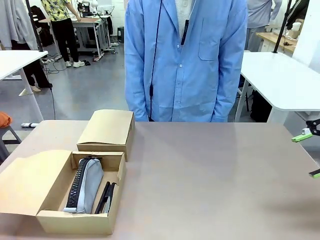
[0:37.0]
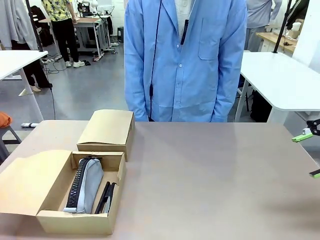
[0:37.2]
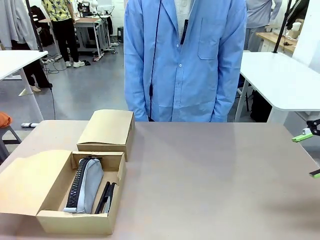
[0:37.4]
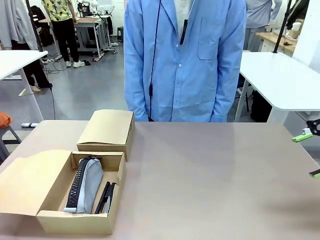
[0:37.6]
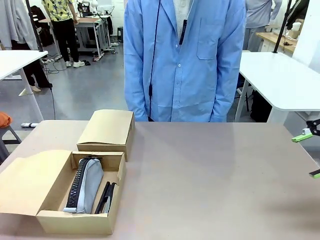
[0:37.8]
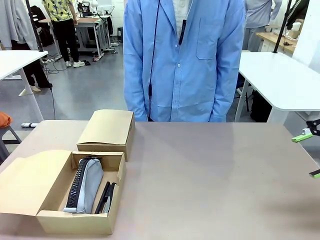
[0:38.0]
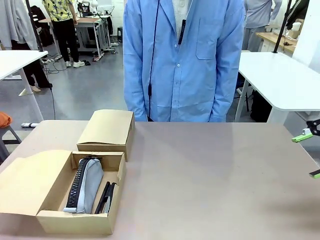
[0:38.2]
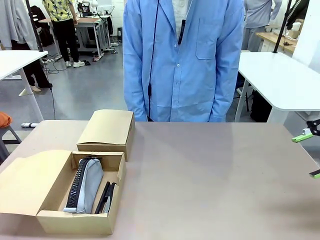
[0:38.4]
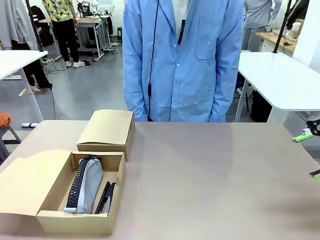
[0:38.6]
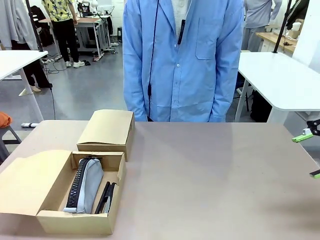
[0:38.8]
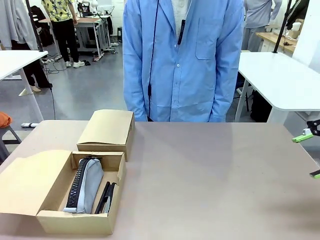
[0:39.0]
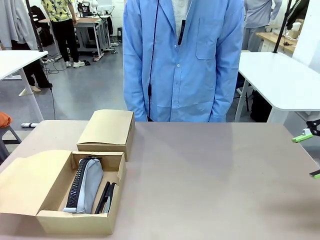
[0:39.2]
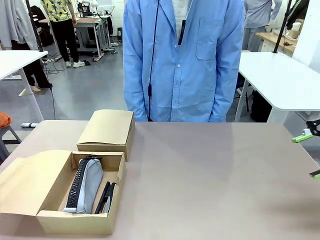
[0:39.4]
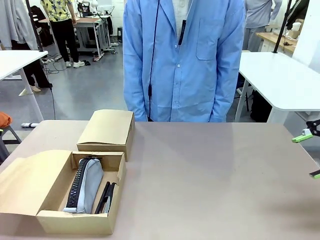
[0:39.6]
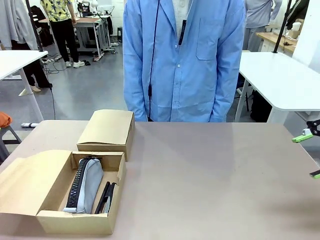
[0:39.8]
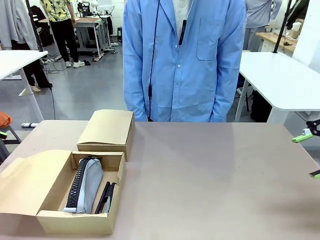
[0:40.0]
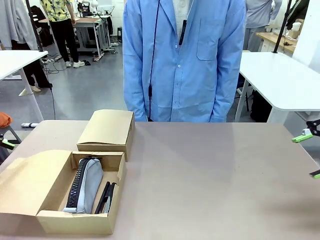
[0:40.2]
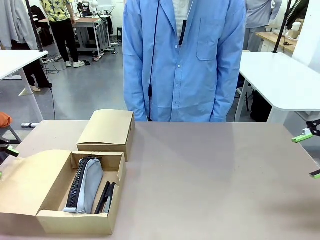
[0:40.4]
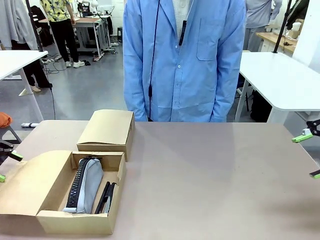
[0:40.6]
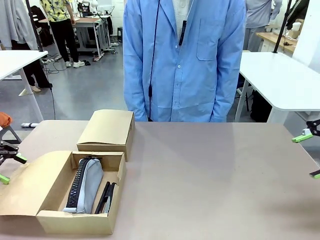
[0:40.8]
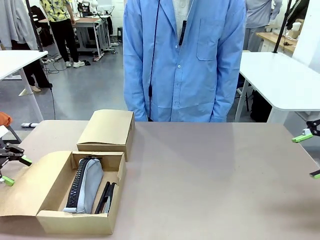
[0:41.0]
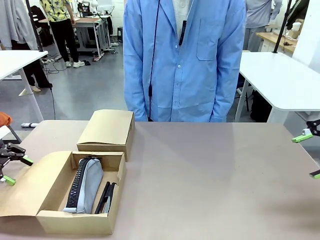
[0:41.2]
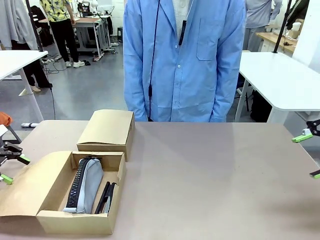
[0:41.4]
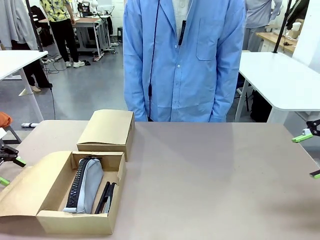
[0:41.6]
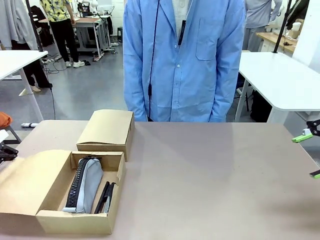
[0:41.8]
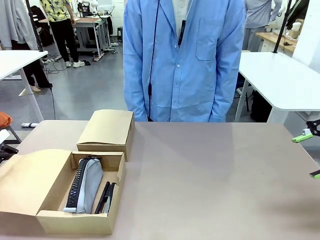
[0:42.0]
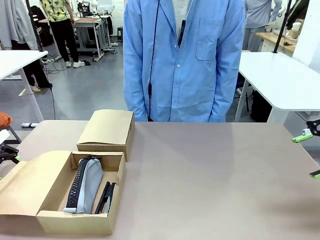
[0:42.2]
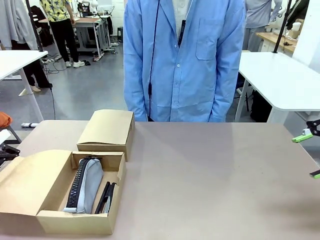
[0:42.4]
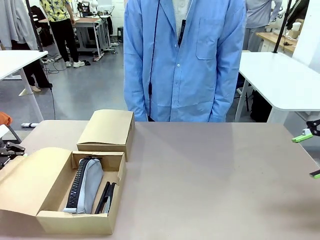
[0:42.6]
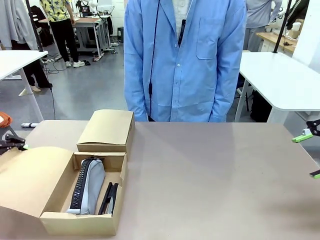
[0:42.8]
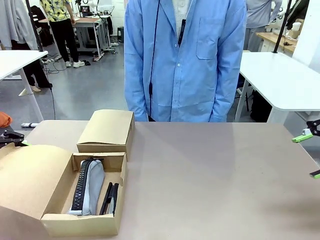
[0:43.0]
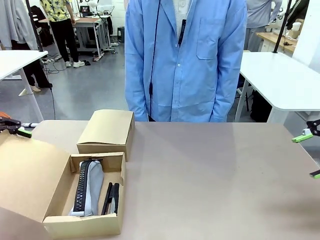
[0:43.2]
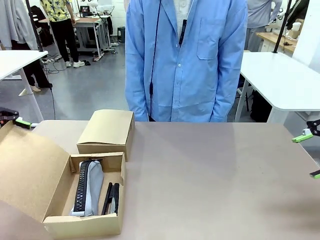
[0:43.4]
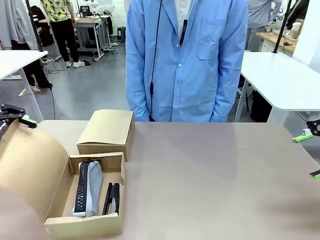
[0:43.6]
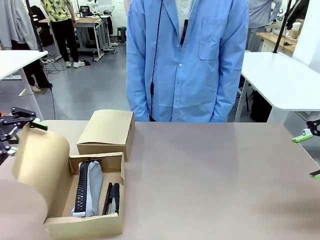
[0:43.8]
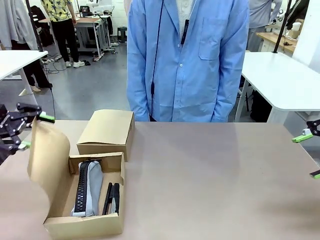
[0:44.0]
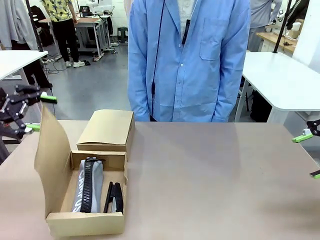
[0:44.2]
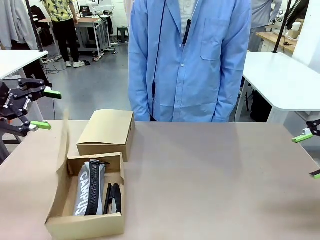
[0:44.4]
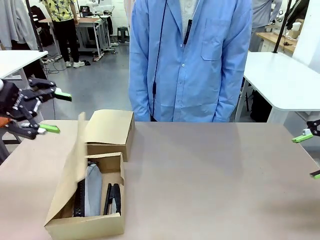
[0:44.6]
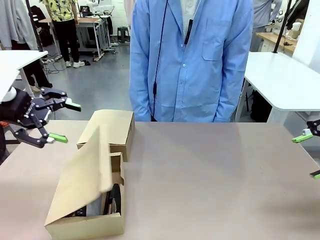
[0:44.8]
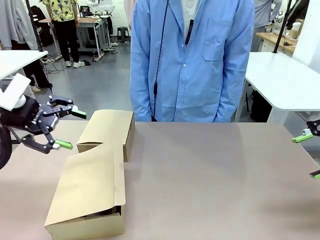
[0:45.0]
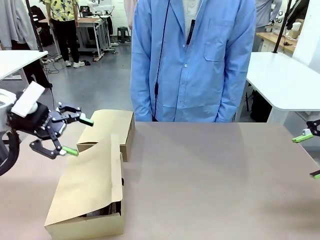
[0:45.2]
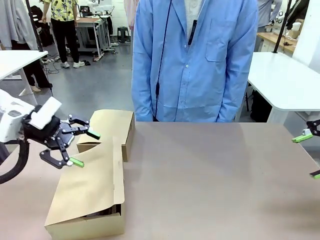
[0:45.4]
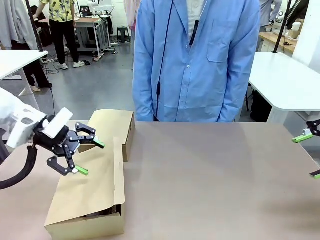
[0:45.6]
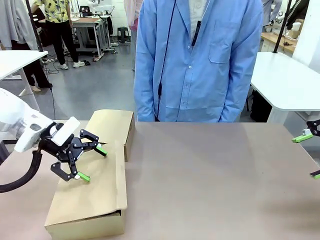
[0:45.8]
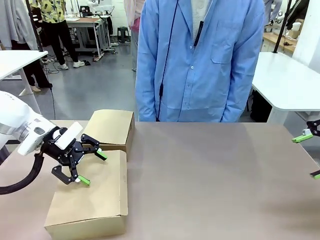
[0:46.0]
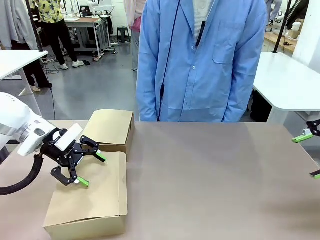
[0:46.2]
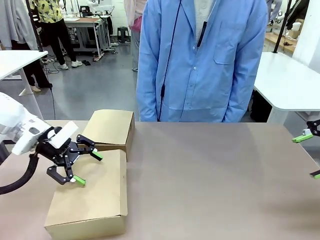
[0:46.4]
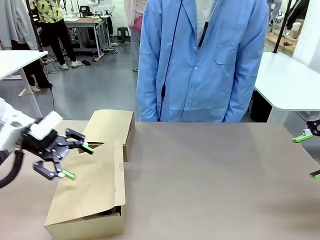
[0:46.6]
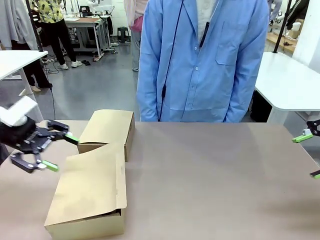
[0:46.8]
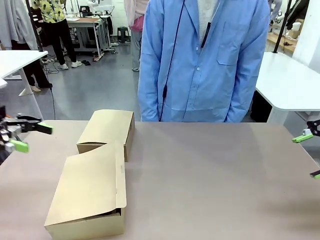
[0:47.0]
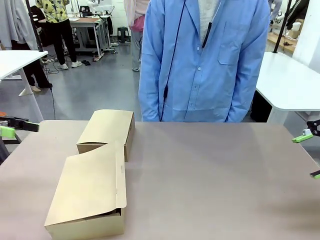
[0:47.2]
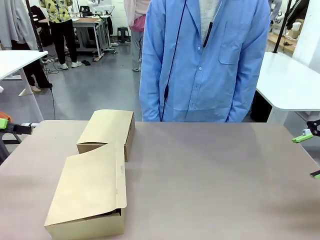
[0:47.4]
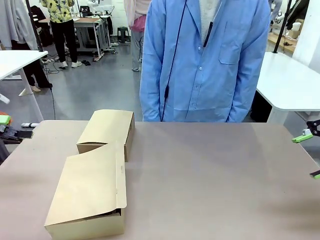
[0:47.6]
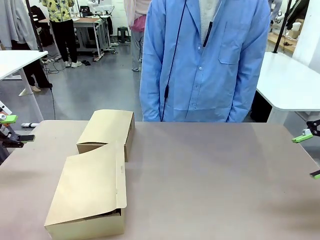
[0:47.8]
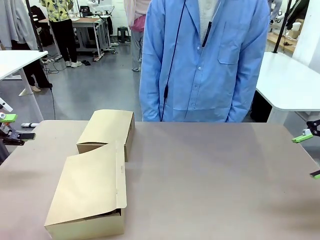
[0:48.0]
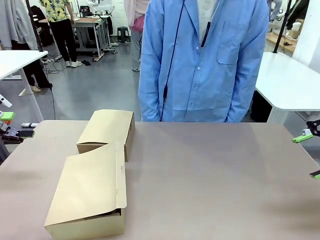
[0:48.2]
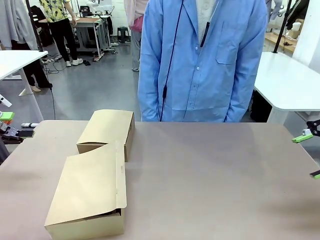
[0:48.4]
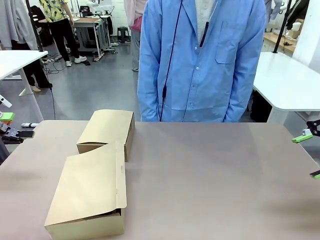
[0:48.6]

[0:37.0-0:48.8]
Task: Place items inside the box.
Robot: Close the lid of the Mailer Box closest to the robot.
Person: Close the lid of the box facing the person.

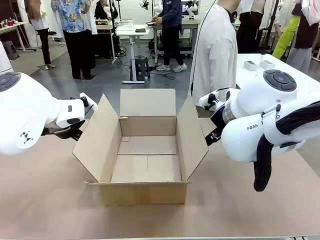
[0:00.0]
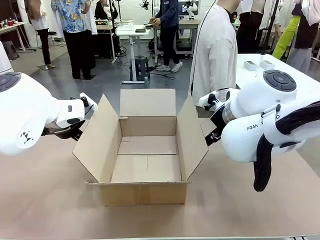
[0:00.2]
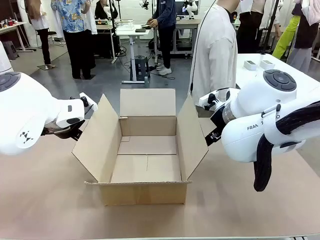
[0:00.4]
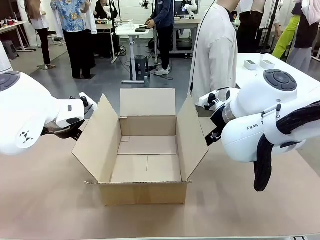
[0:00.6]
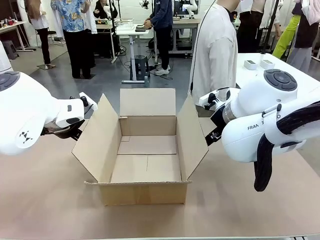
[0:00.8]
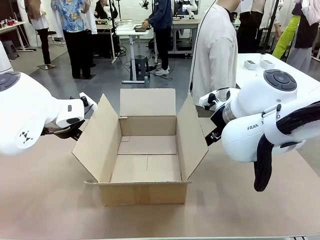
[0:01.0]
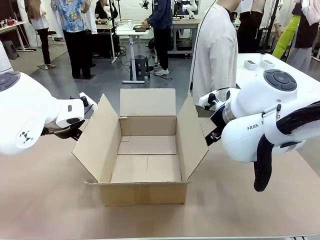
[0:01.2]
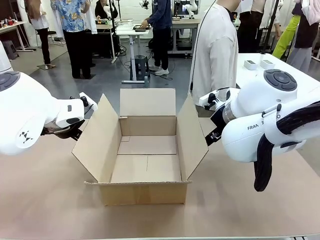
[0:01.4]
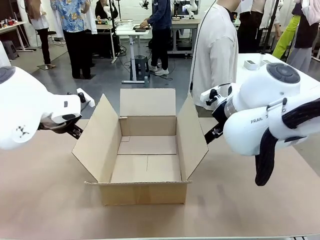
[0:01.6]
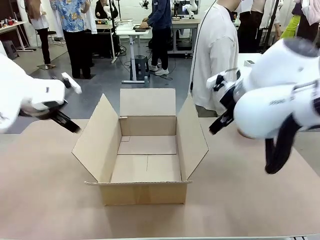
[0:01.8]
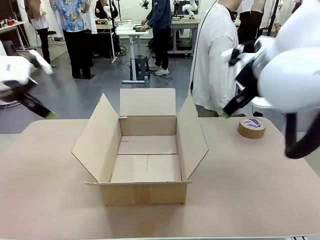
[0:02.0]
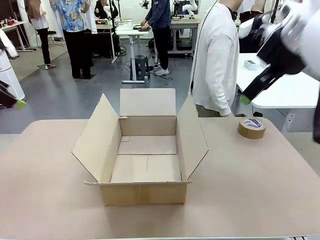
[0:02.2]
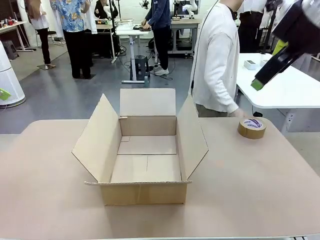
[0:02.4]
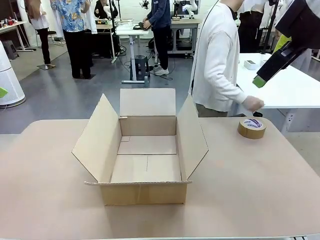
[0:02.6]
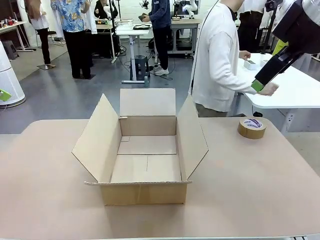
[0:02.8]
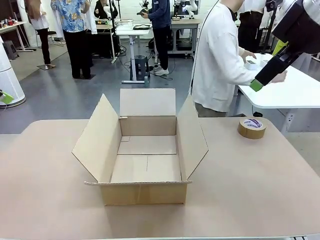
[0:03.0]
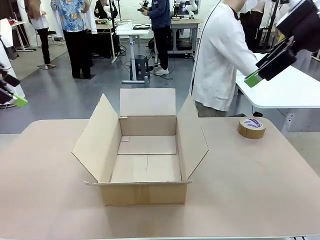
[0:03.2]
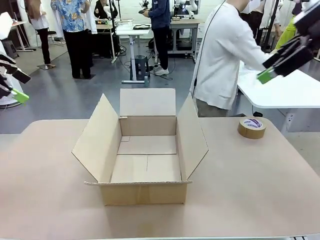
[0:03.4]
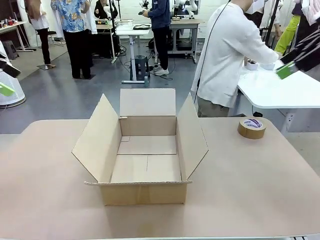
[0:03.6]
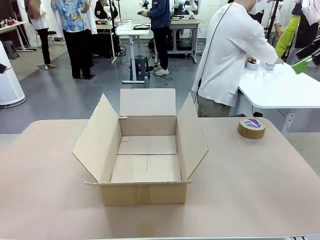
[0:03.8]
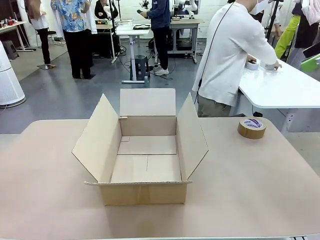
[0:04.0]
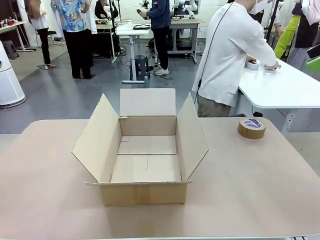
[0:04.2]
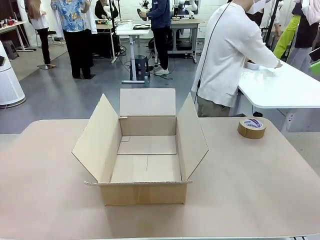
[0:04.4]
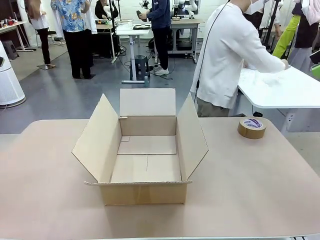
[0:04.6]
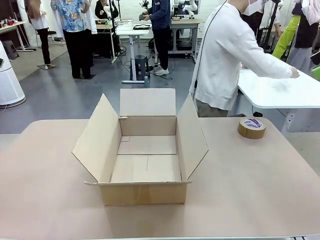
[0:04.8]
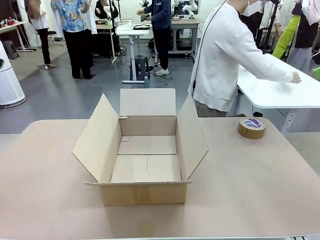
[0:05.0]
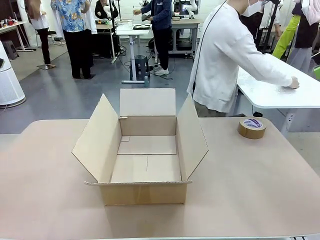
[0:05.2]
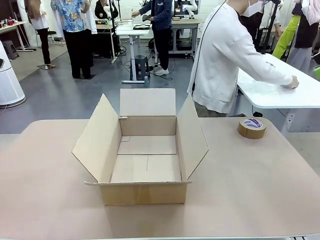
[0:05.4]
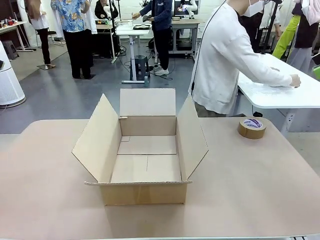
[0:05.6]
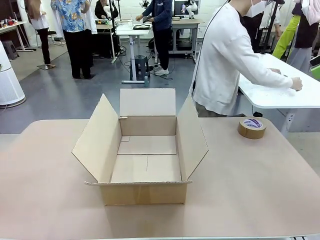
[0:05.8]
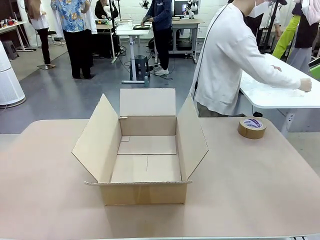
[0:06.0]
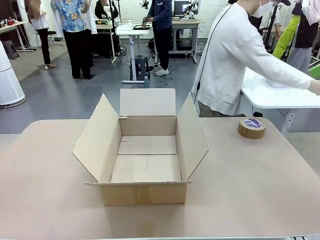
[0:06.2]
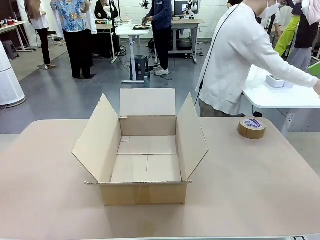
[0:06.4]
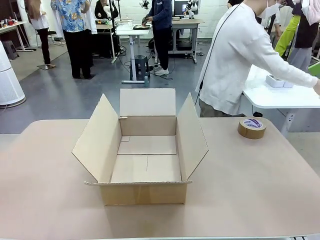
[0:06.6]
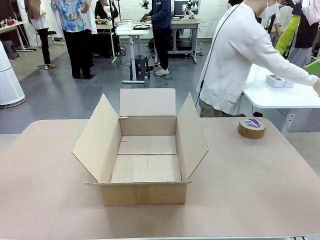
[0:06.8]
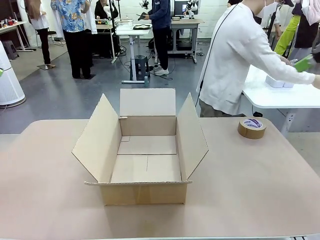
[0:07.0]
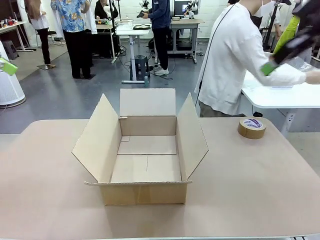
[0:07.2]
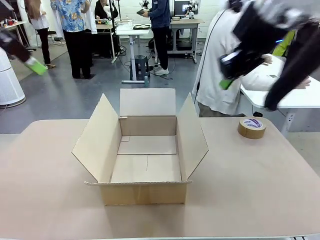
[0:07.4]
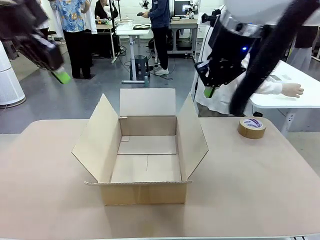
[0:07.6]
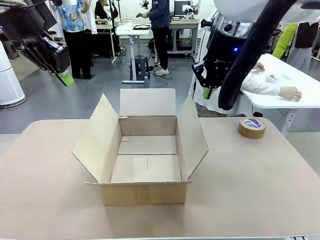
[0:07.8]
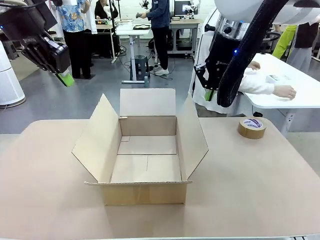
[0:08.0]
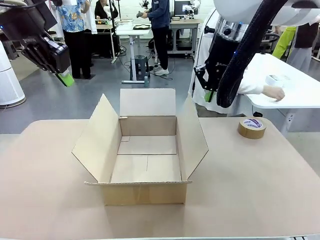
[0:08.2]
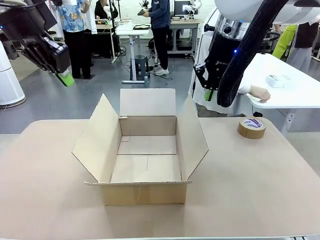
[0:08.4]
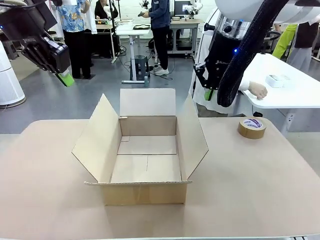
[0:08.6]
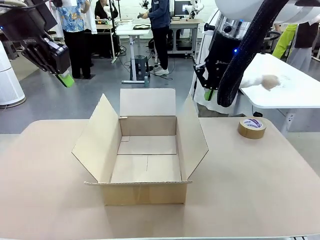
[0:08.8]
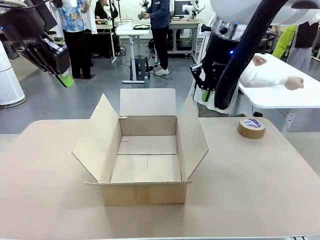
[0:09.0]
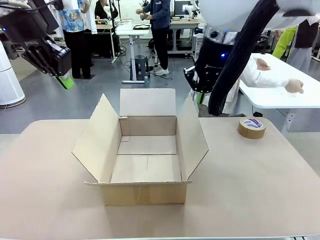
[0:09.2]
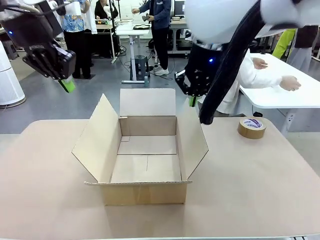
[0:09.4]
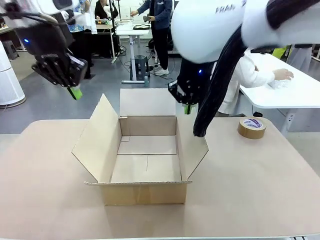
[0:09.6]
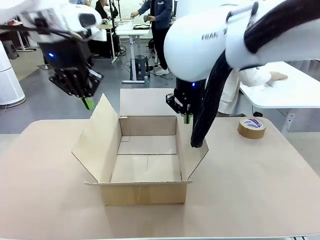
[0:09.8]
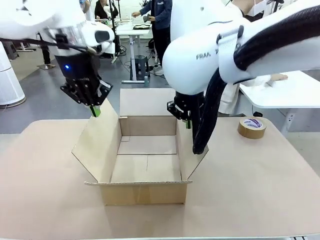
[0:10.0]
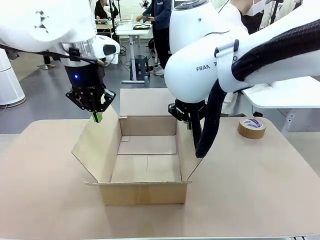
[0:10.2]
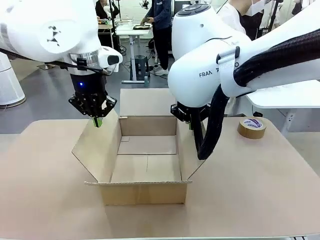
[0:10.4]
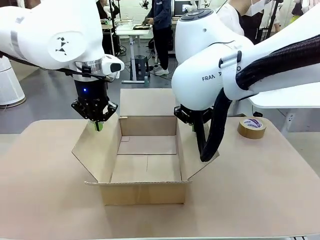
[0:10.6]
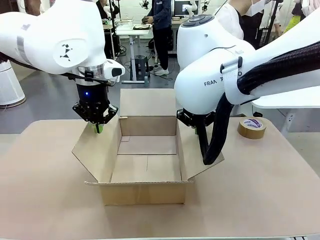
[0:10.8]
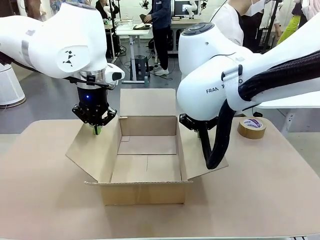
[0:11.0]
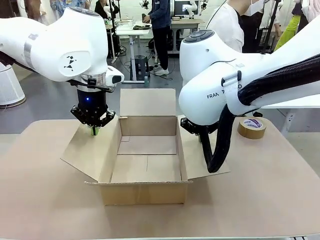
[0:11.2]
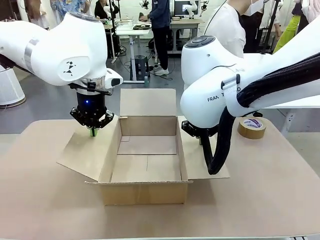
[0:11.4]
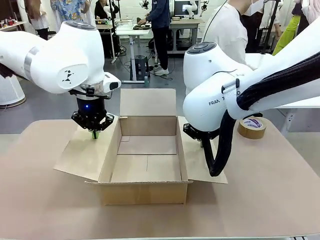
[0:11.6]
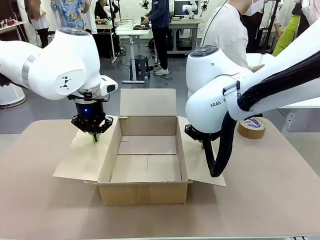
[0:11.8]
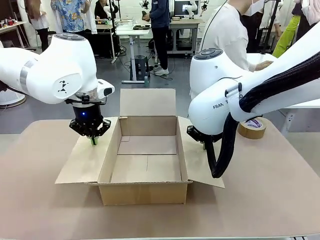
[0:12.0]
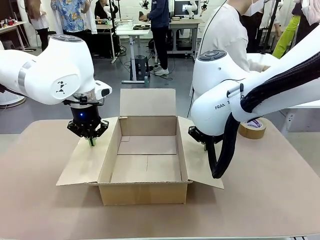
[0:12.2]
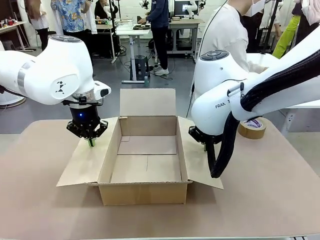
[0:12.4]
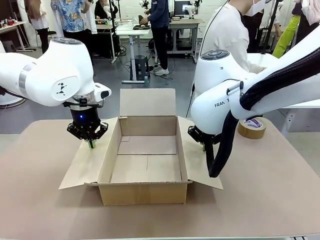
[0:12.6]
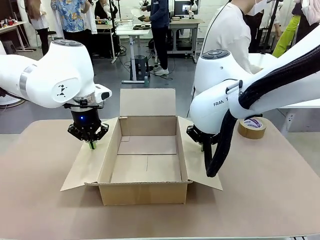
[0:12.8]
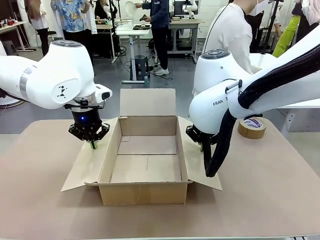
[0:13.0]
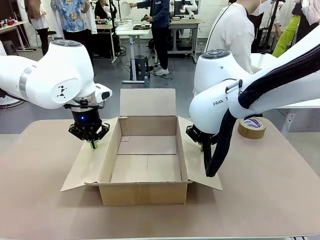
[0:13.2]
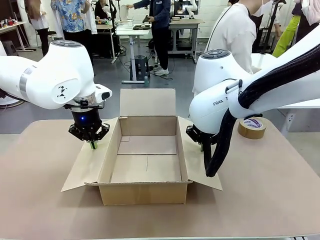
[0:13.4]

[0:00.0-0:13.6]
Task: Wrap the clocks to prevent damage.
Robot: Open the side flaps of the Package Box.
Person: Wrap the two Digital clocks with Bubble Wrap.
